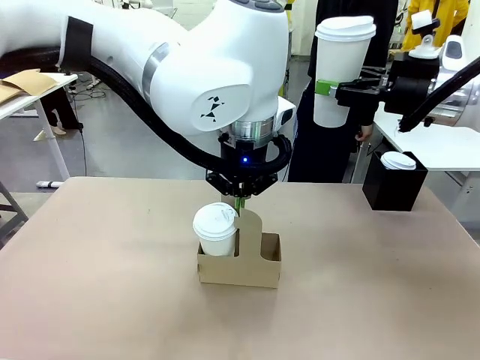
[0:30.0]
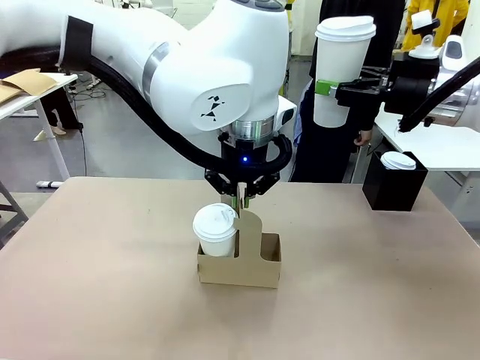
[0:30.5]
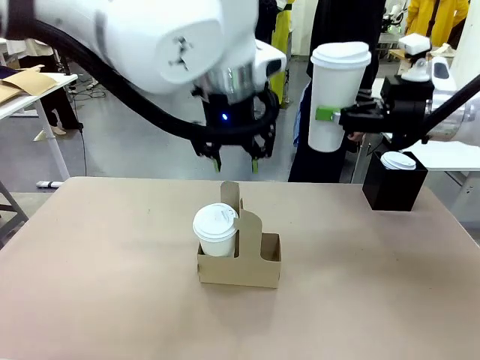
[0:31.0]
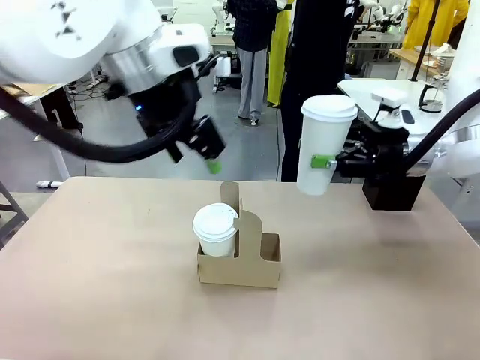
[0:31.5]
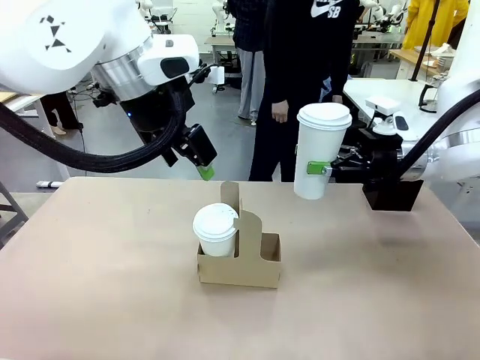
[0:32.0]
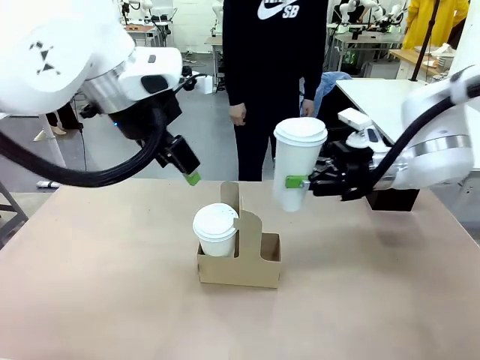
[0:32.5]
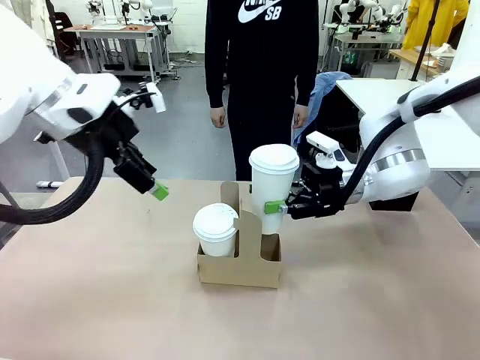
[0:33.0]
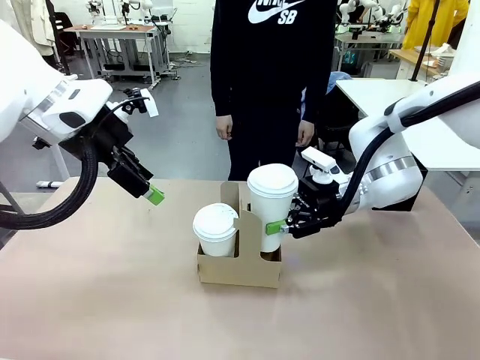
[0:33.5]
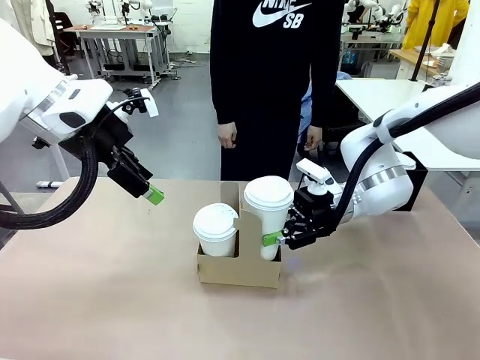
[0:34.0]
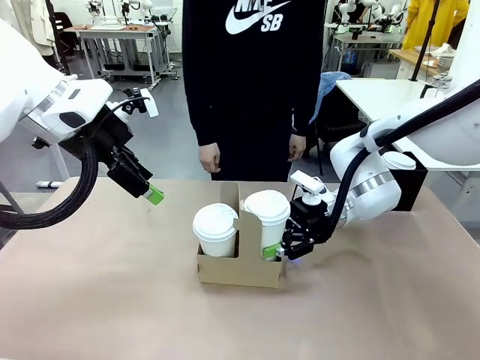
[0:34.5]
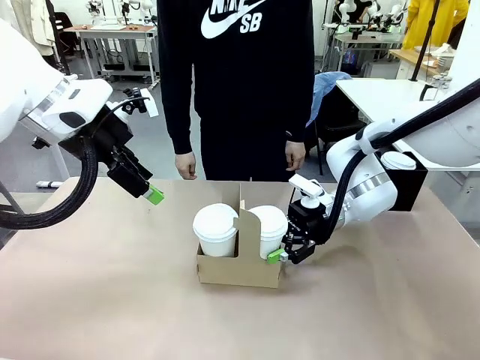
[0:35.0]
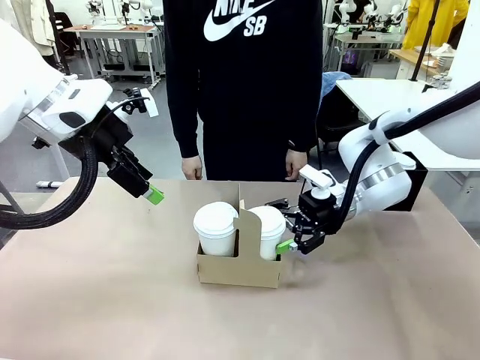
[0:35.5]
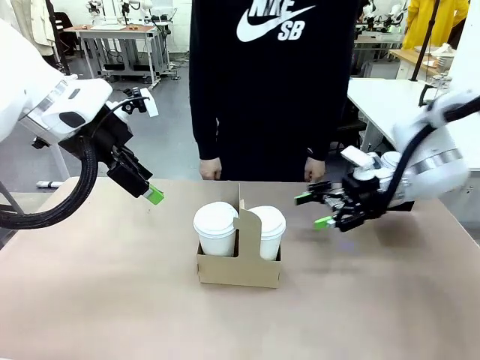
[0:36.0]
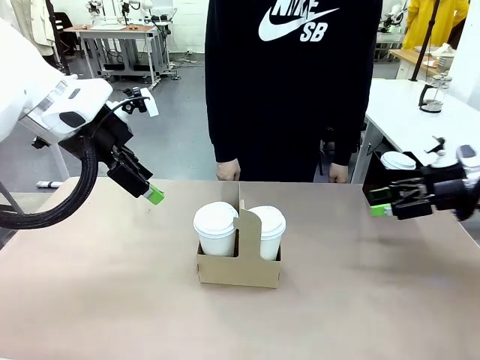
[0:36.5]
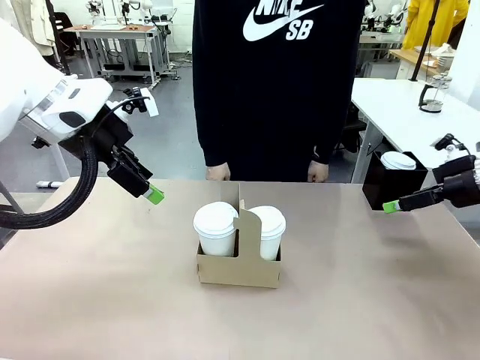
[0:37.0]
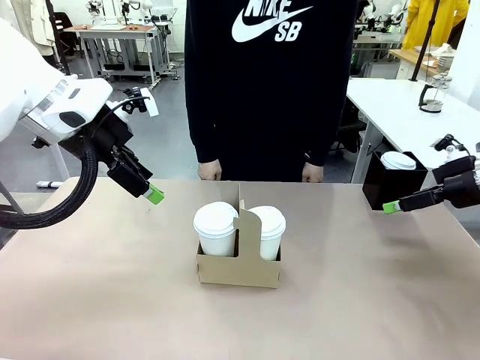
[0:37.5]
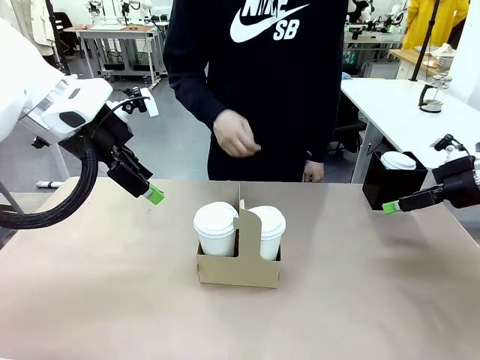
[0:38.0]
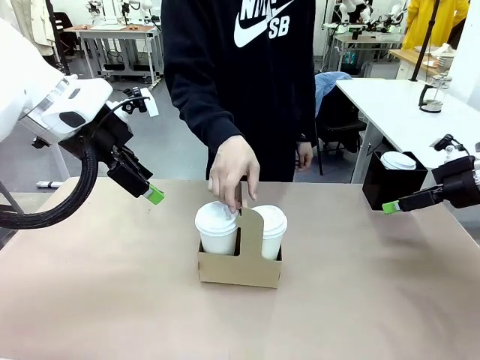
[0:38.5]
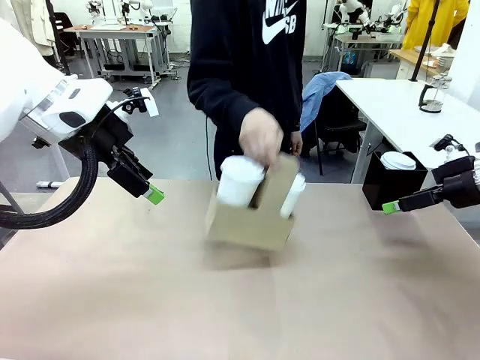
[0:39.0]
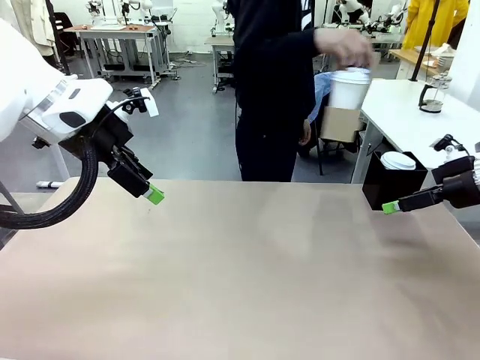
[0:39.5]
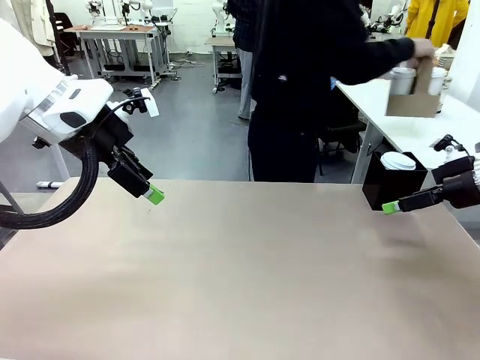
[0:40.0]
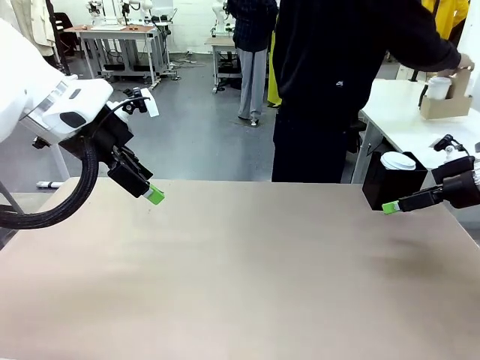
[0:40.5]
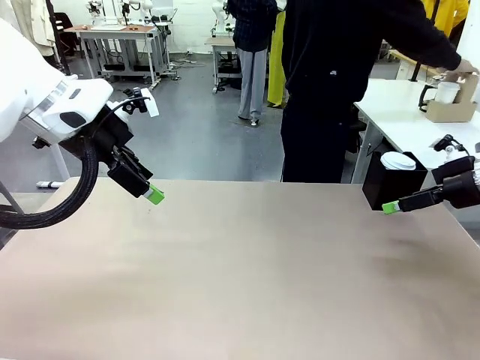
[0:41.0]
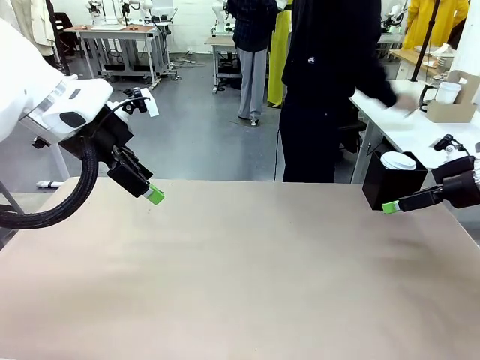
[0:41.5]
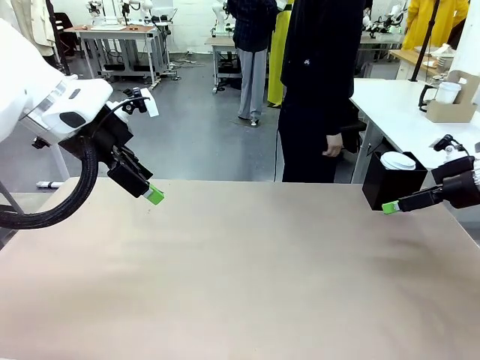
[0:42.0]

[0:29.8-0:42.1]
Task: Pour a drink into a cup and package it in a carrier.
Robot: Insert the held 600 ml Paper Cup into the Cup Carrier.
Person: Place the Cup Carrier to the middle of Human table.

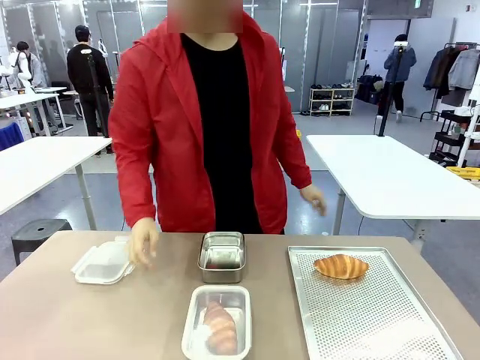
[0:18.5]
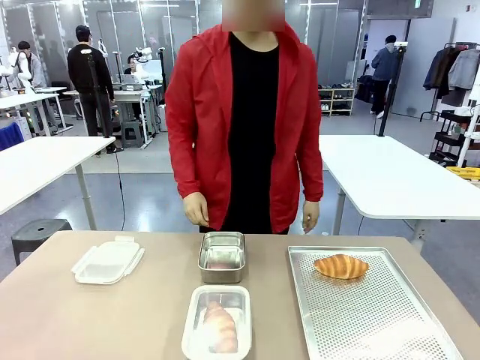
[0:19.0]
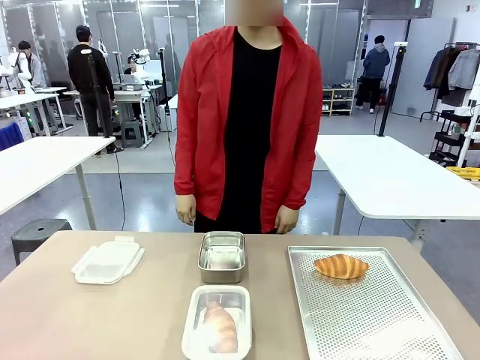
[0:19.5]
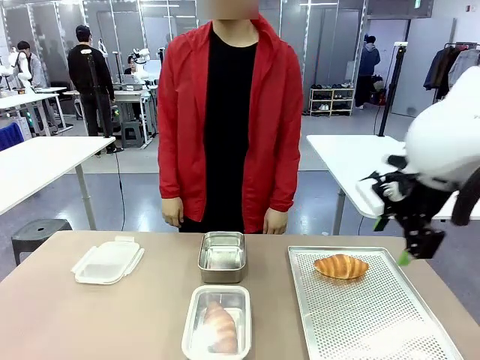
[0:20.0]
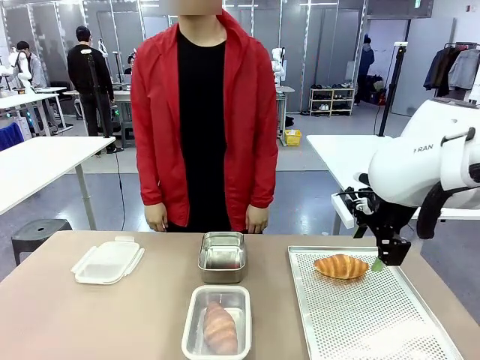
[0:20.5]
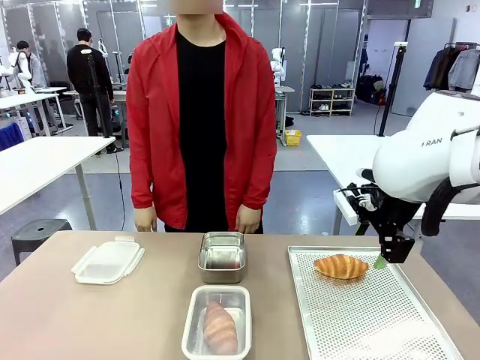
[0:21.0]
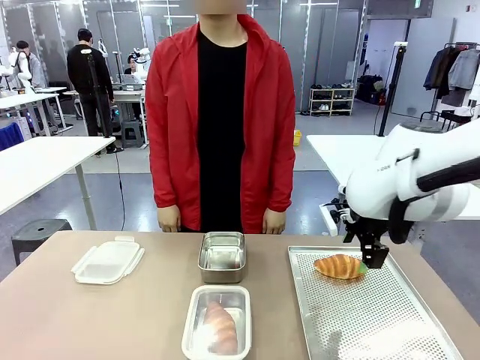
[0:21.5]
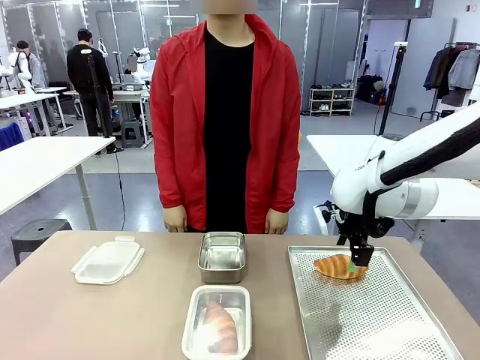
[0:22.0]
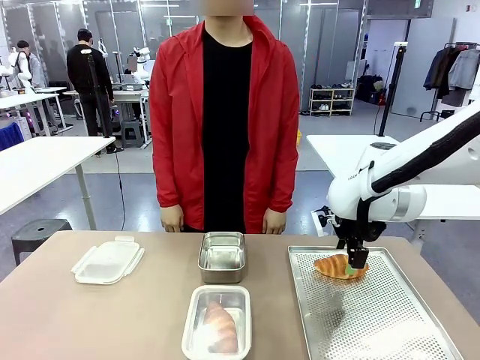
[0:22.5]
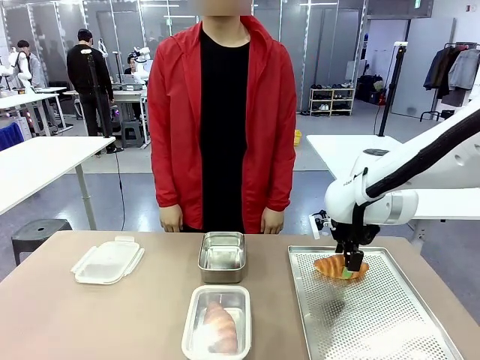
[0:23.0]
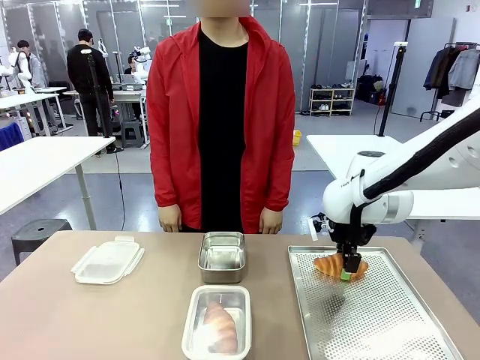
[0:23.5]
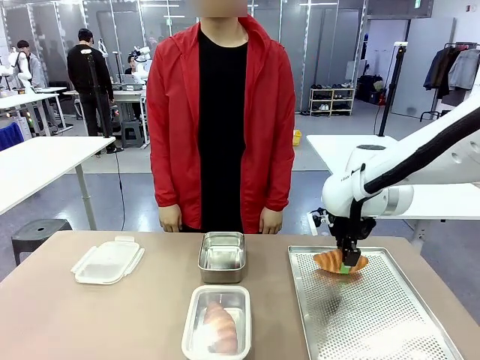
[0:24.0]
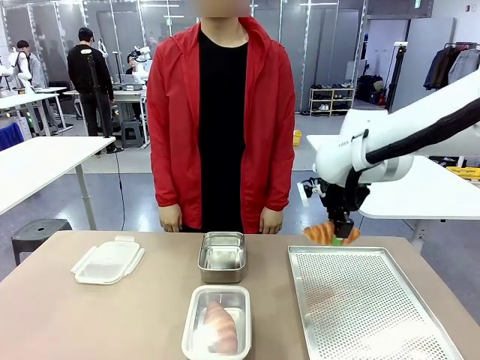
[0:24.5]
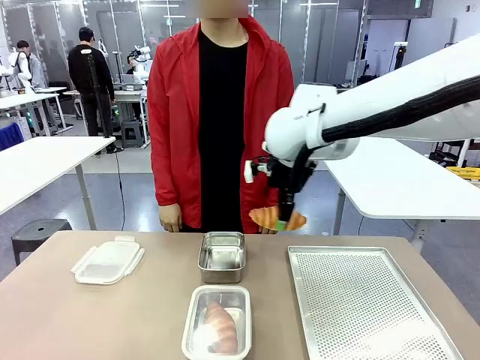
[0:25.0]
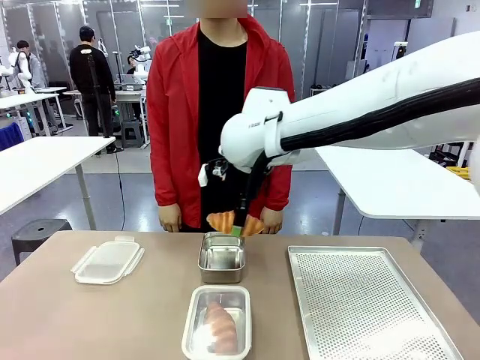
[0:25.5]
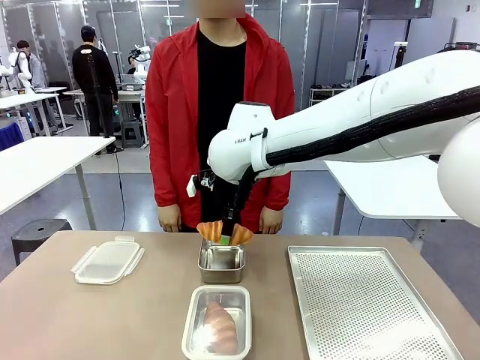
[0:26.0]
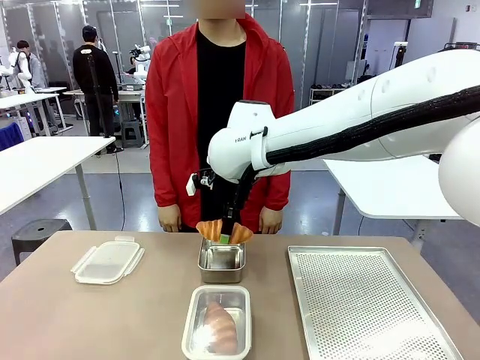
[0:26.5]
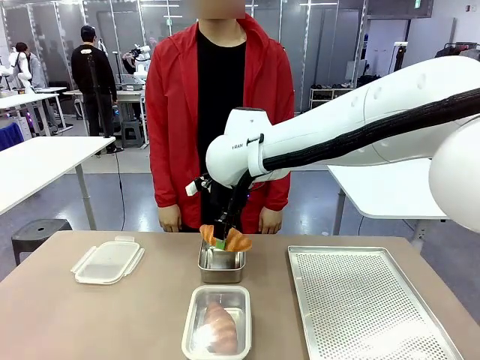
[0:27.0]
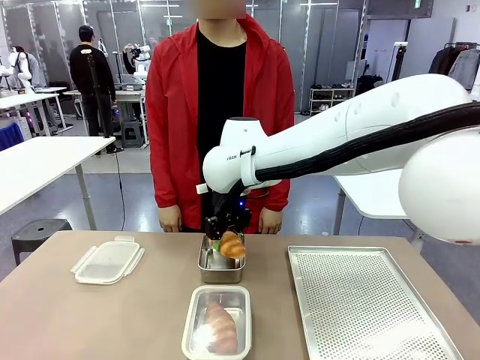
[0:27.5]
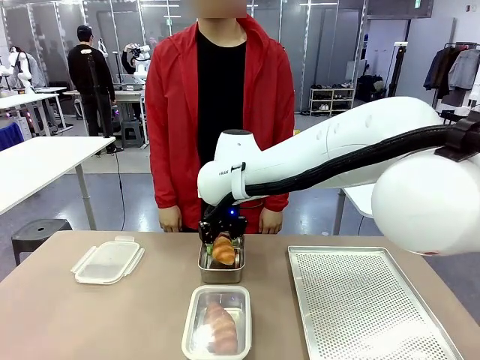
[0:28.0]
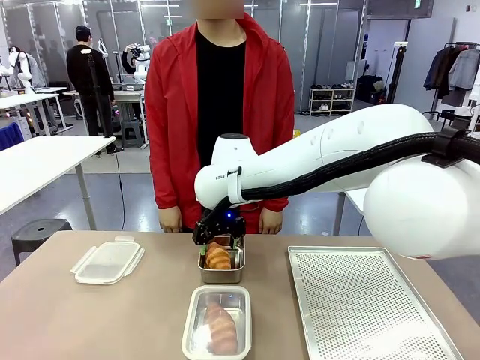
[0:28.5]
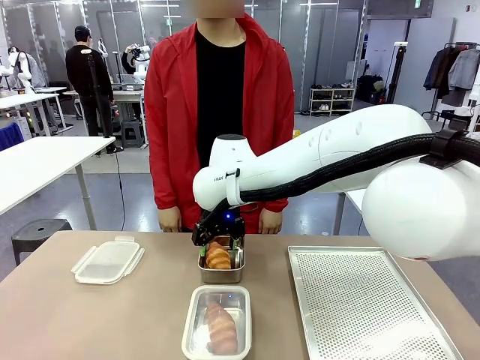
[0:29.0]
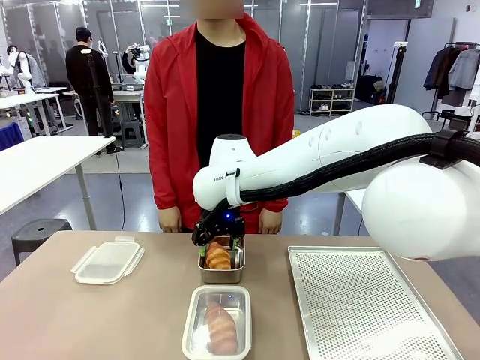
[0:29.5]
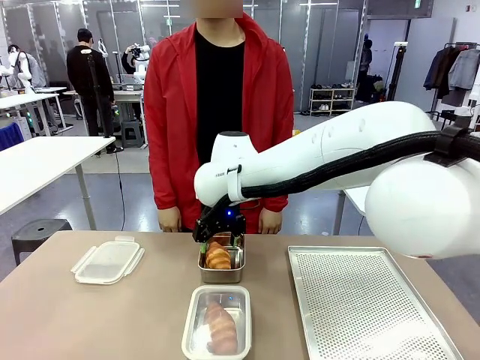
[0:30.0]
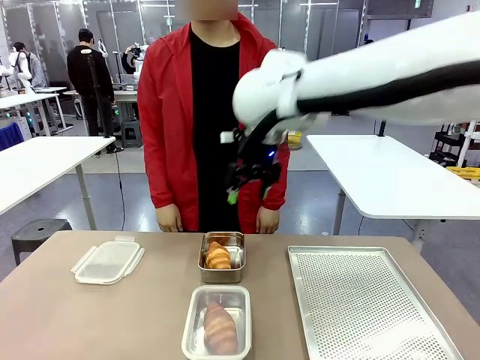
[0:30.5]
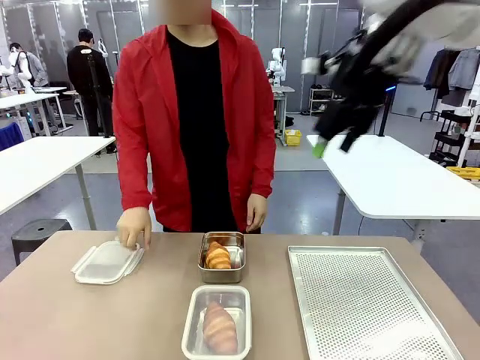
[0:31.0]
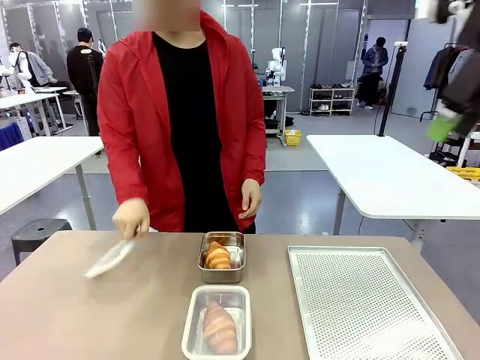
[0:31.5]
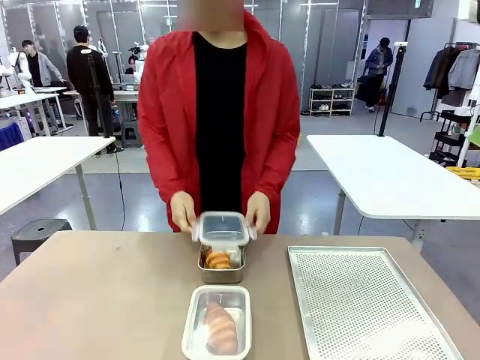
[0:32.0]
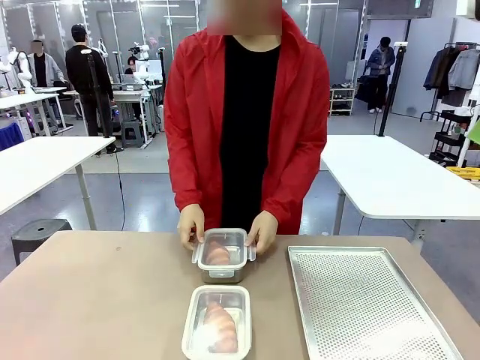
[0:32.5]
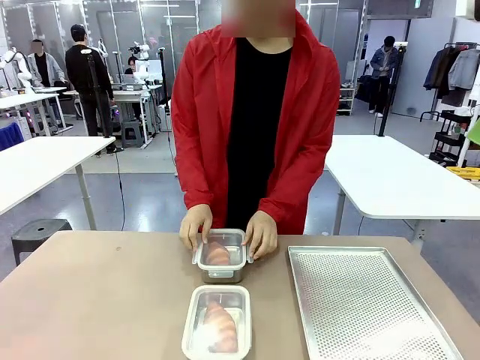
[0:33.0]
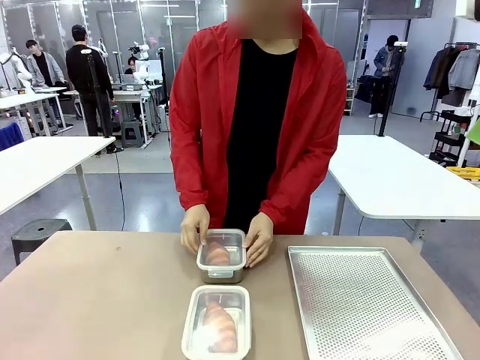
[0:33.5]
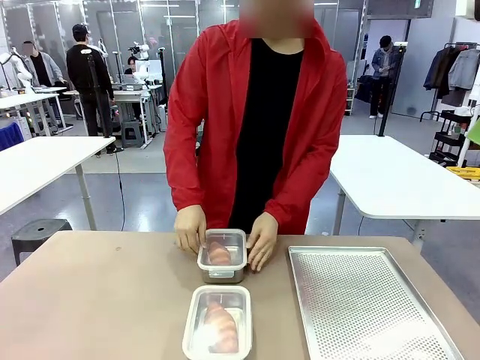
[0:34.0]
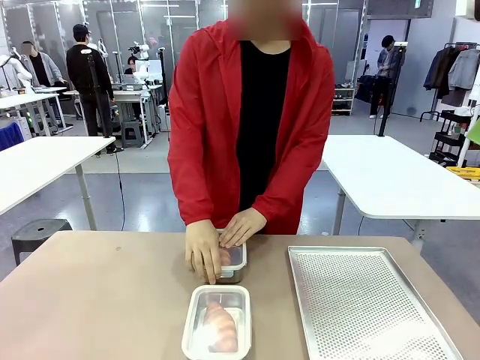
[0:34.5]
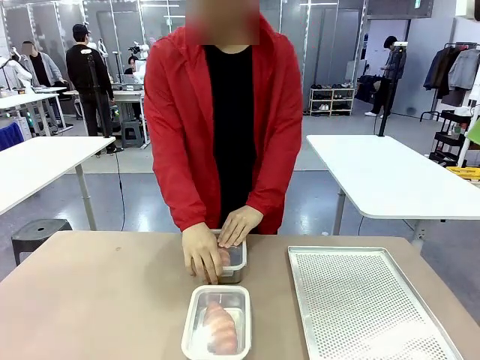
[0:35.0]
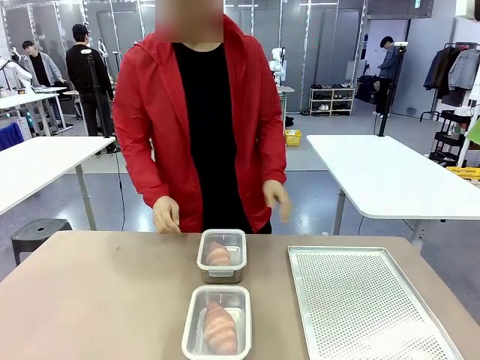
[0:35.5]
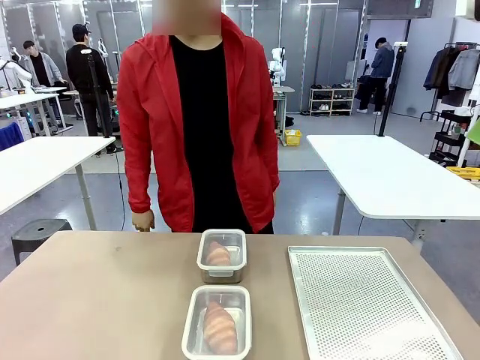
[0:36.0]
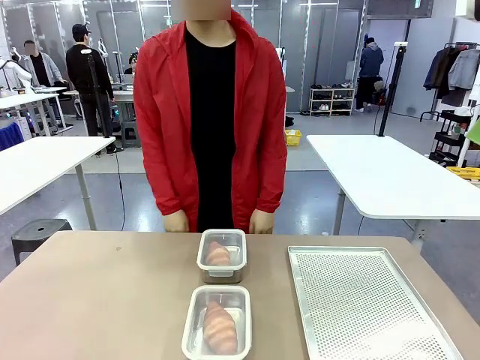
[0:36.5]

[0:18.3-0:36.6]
Task: Place the bread into the airtight container.
Robot: Pick up a Butter Roll and place it into an empty Airtight Container.
